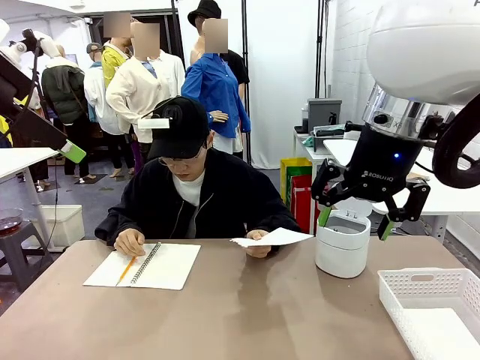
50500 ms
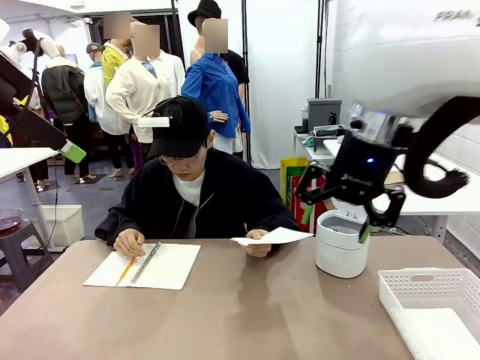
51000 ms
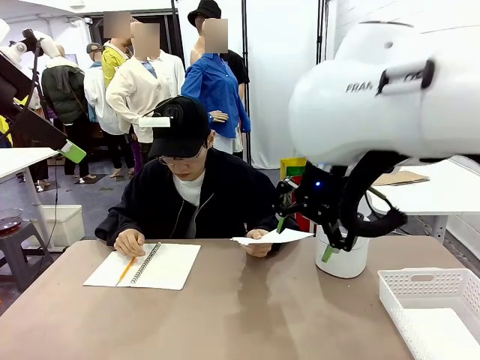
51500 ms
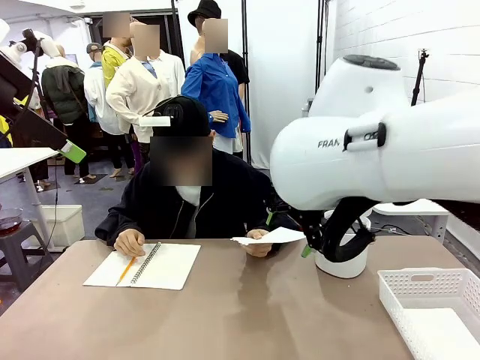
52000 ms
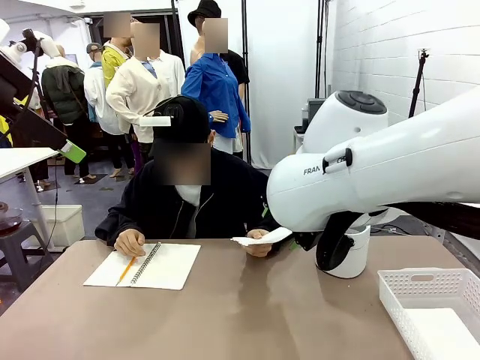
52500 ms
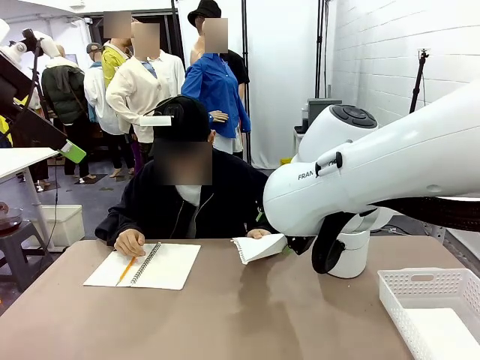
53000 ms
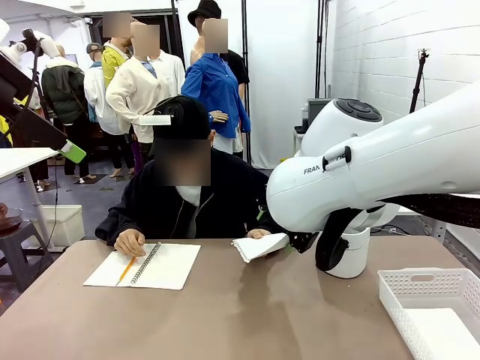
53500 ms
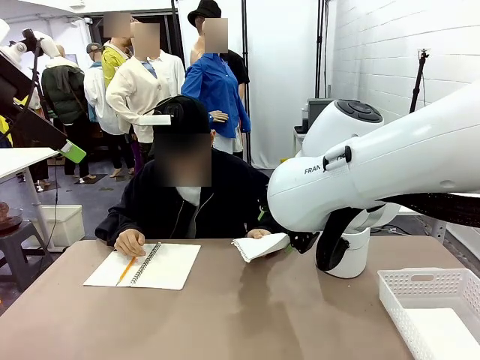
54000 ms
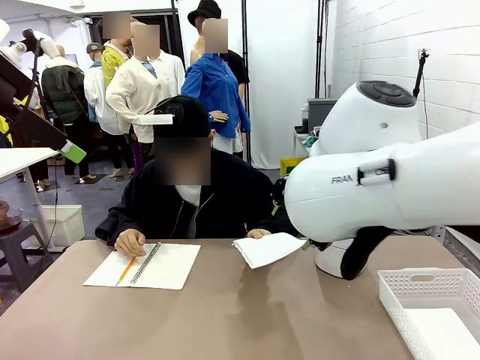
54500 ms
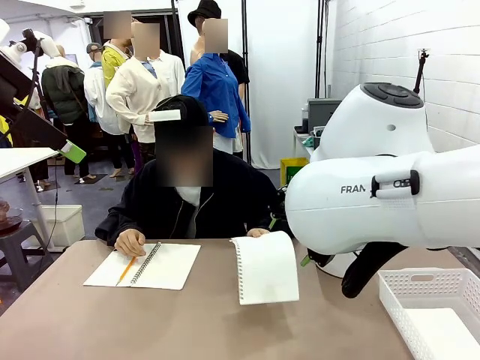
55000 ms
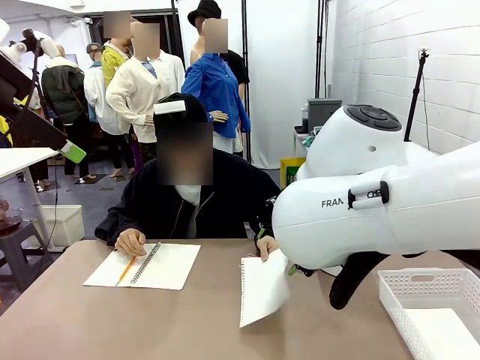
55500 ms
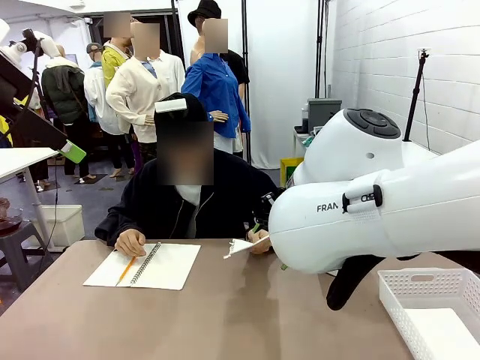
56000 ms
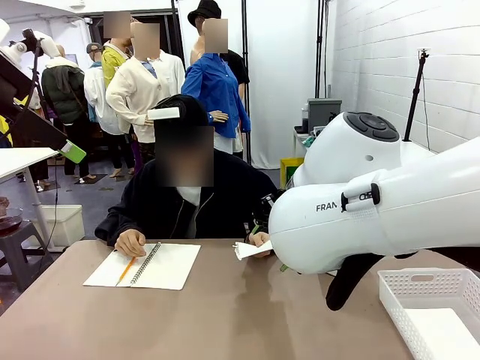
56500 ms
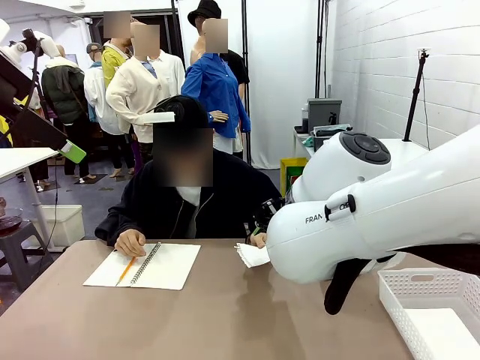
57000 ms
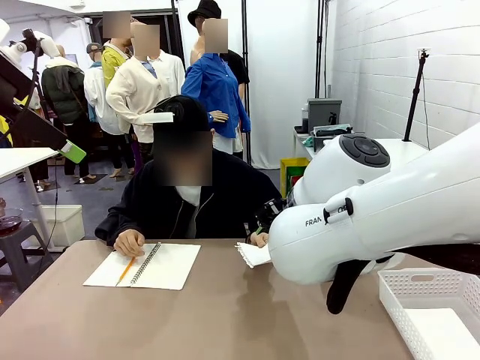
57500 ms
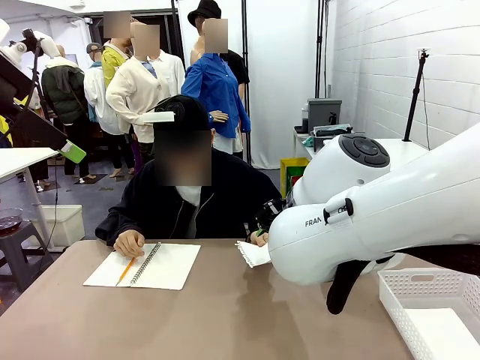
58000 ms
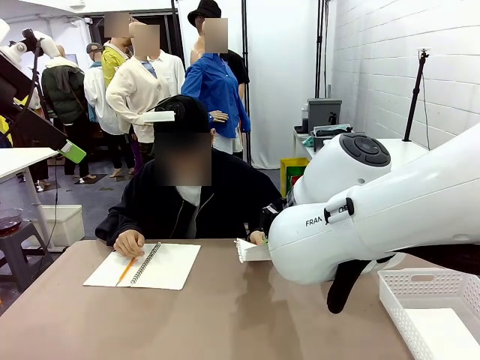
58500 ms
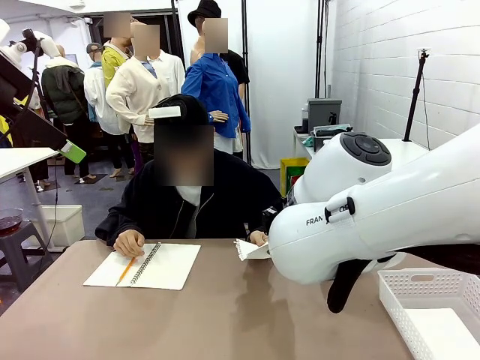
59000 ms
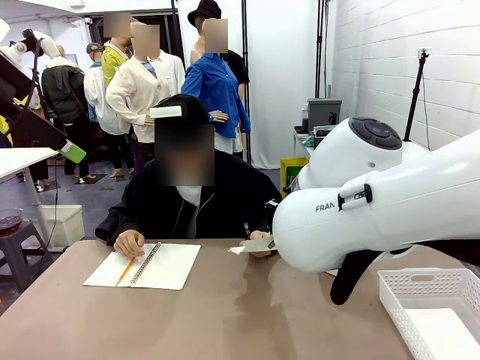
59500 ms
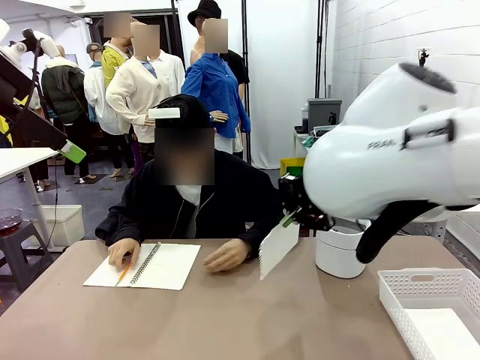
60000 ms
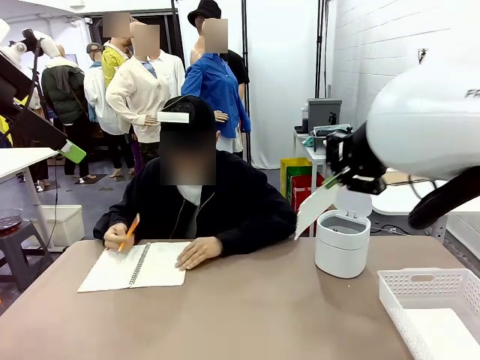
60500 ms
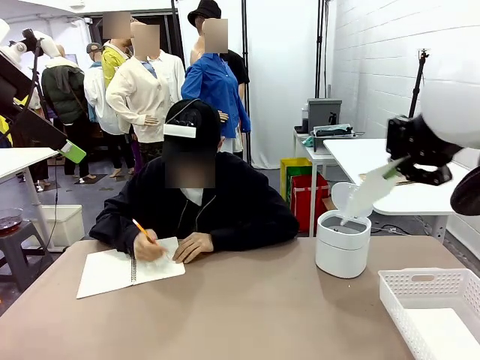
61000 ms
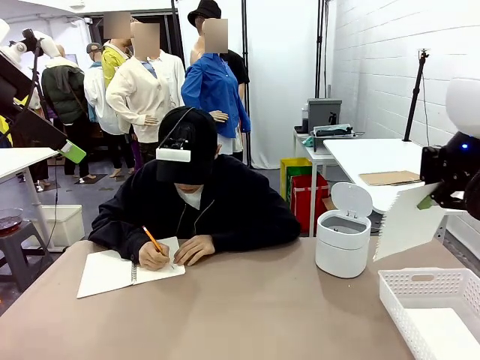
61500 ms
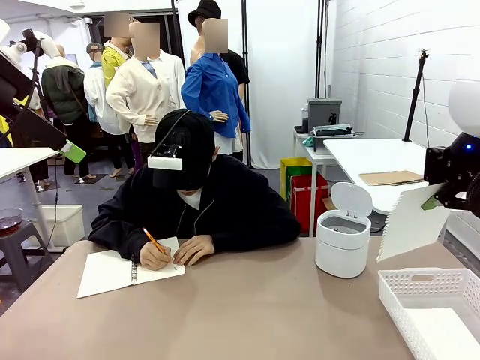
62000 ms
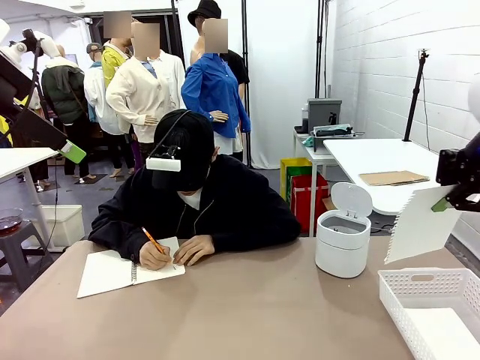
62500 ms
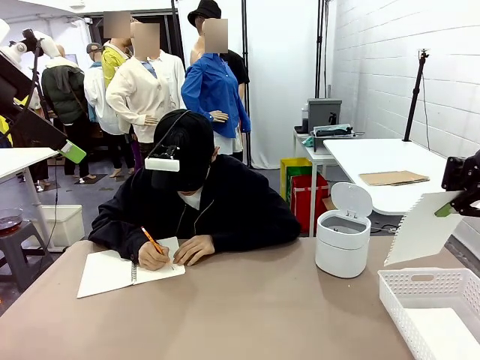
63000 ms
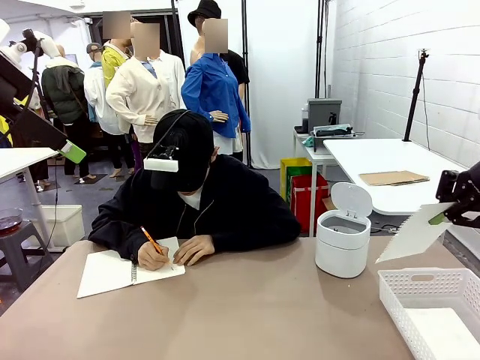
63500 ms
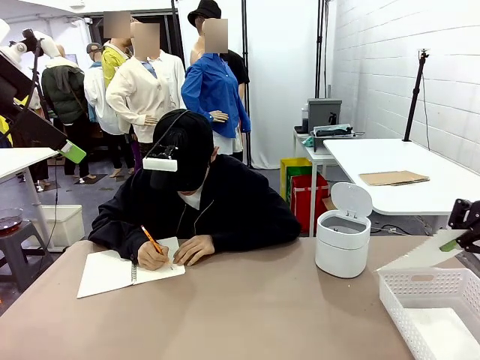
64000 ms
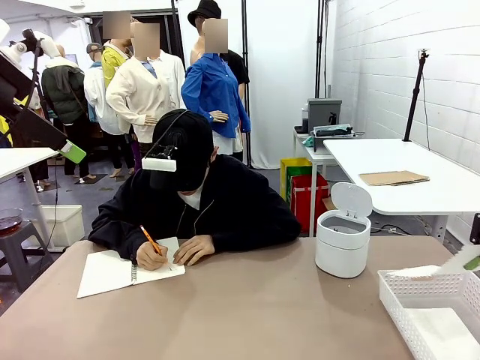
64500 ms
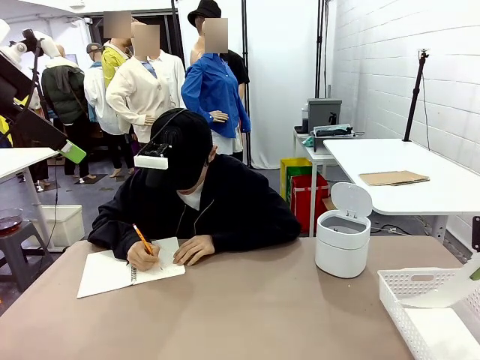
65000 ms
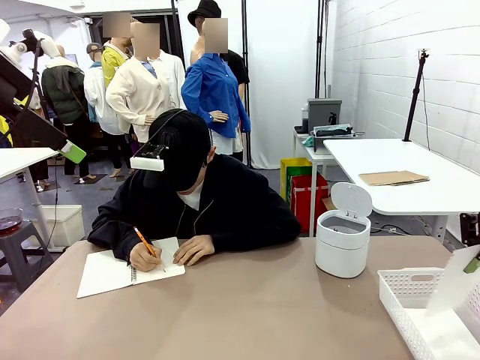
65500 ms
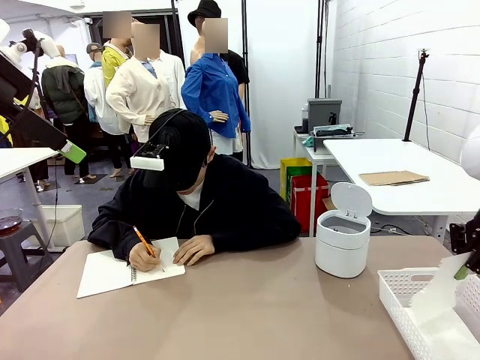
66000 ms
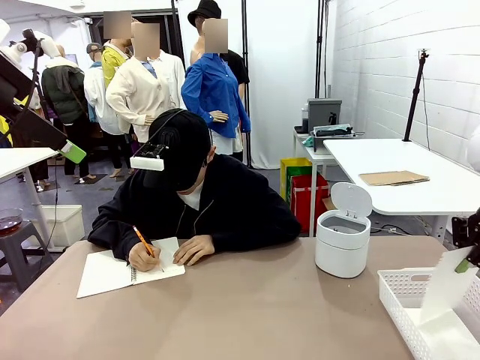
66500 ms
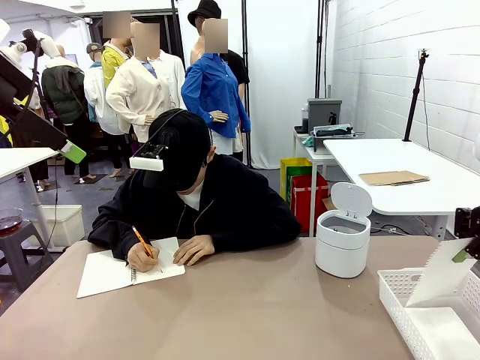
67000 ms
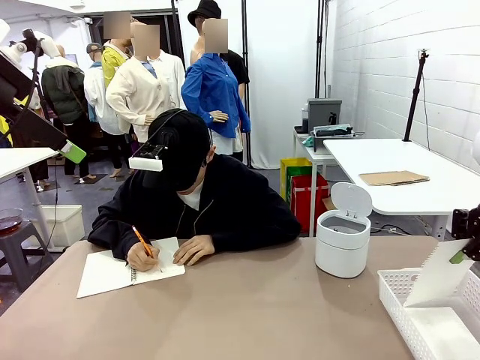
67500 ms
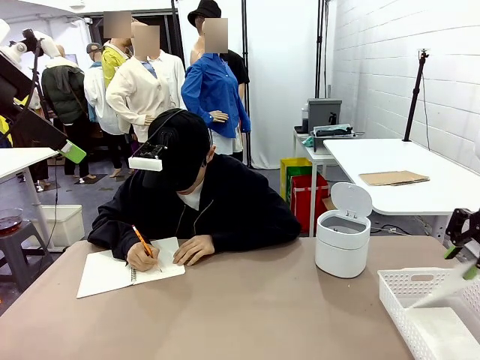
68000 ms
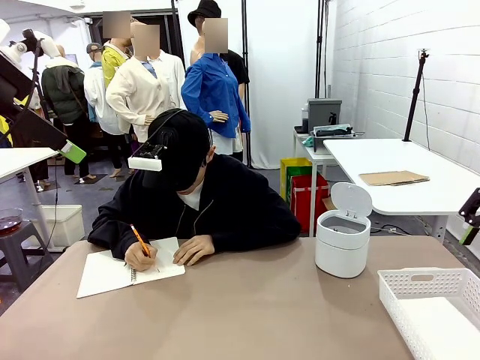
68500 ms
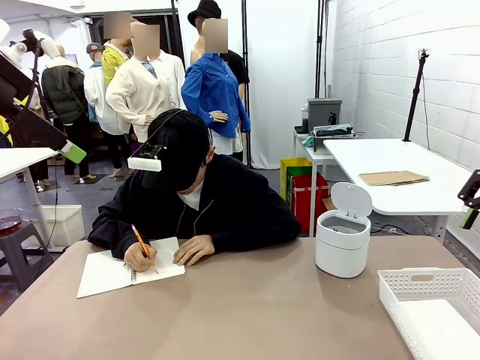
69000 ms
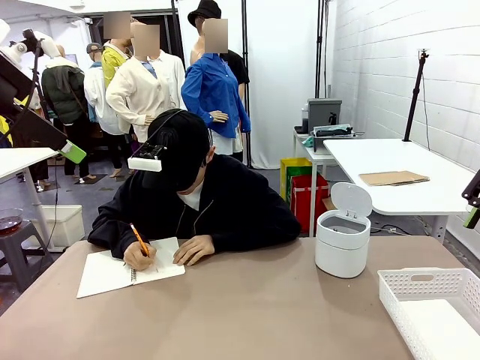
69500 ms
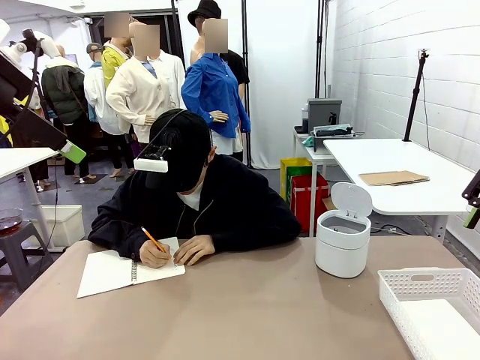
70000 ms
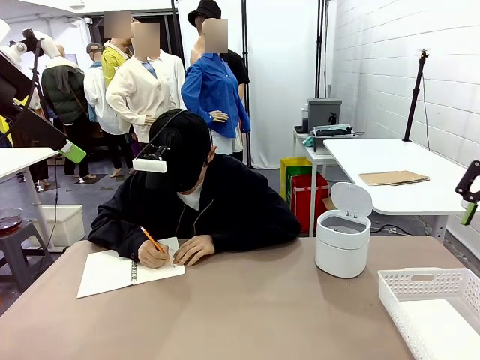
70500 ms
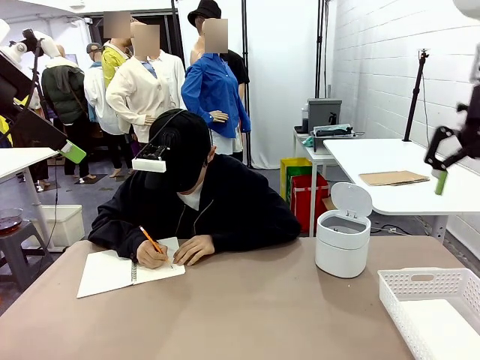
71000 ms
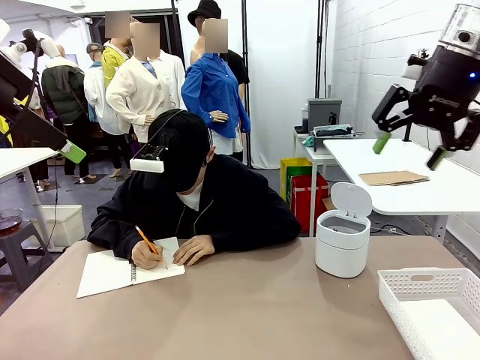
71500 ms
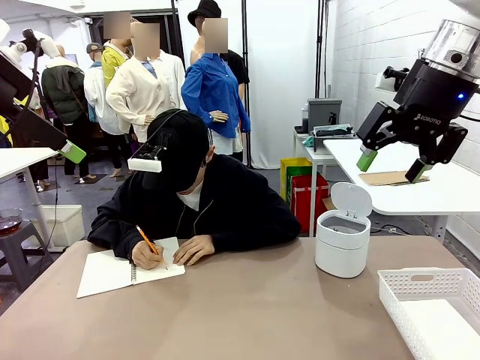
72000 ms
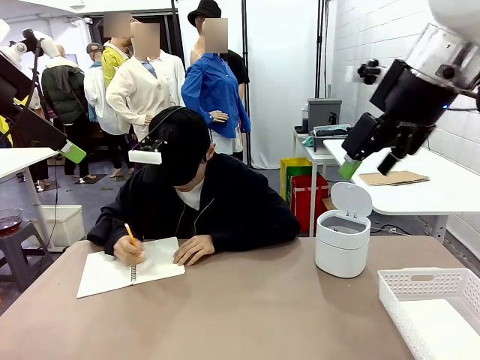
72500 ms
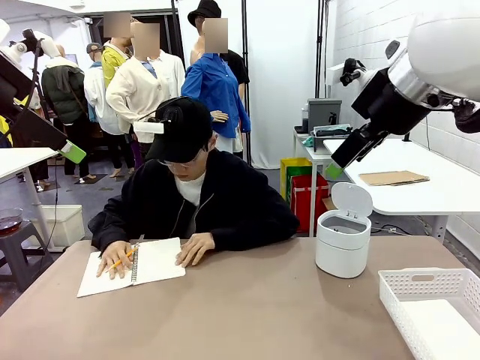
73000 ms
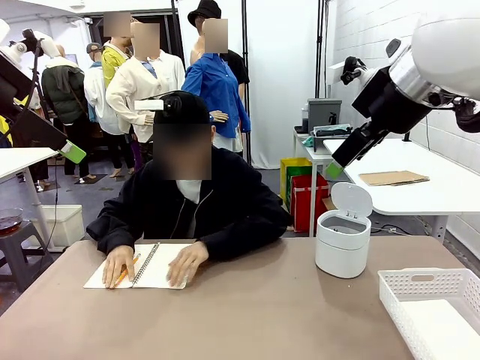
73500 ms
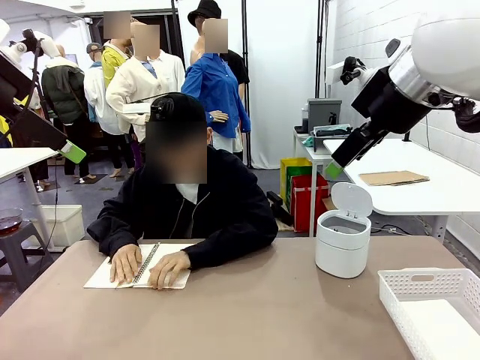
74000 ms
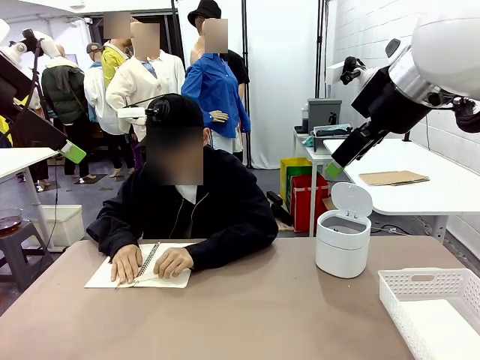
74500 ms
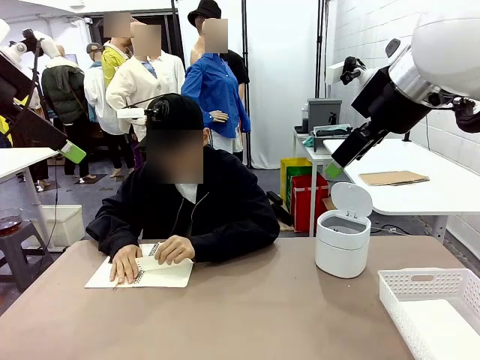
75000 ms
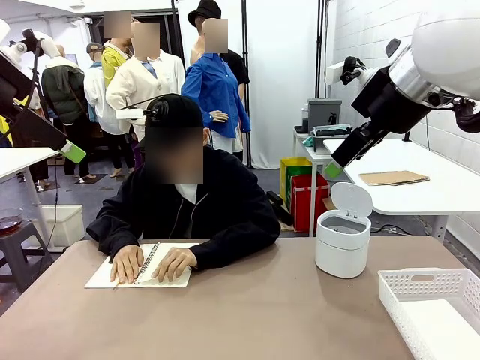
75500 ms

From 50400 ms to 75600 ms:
Task: Sort the paper based on its condition.
Robot: If a person hands you a paper, place it in the Organizing basket , and if it's crumpled, put it in the Trash can.
Person: Tear out a page from the spiral notebook.

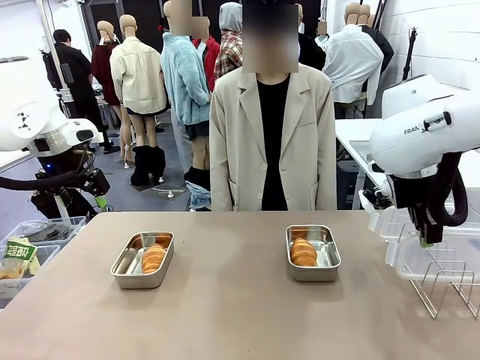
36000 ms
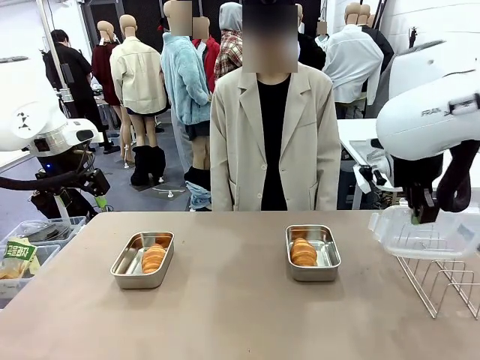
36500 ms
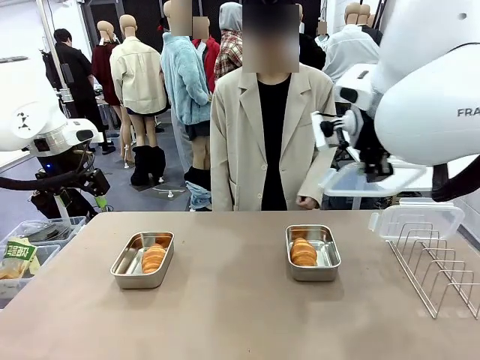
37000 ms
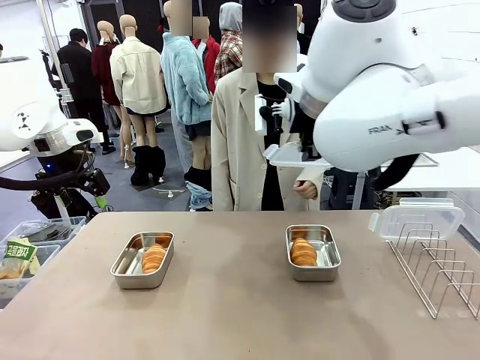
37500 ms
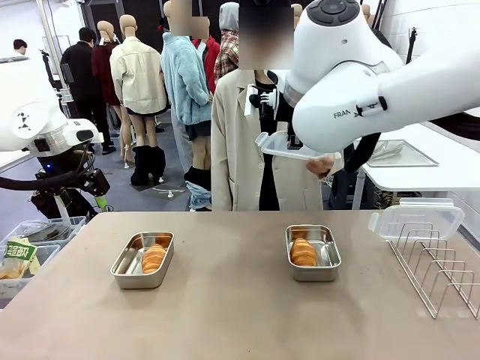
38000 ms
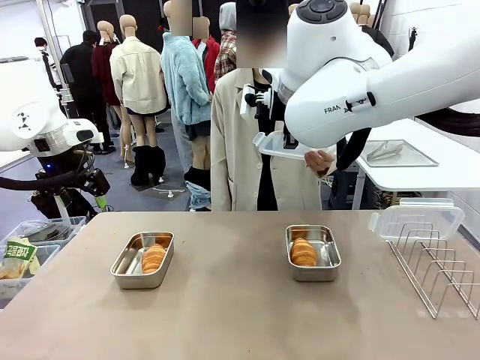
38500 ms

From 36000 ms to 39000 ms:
Task: Place the bread in airtight containers.
Robot: Release when the human grabs the Airtight Container lid.
